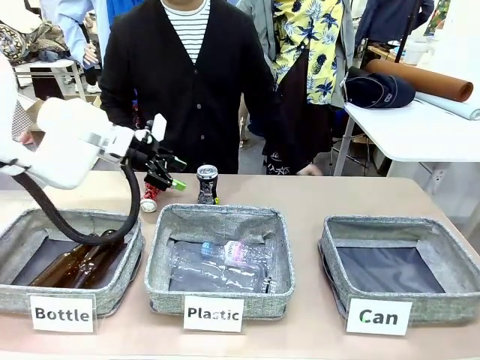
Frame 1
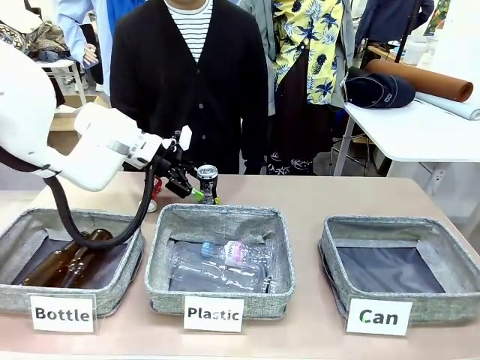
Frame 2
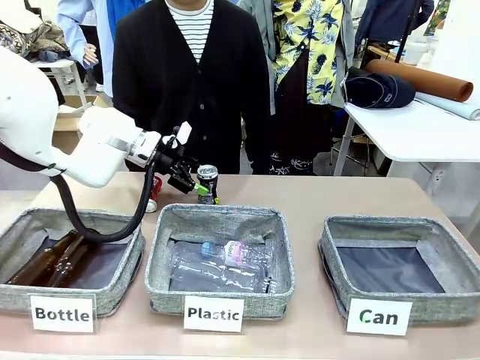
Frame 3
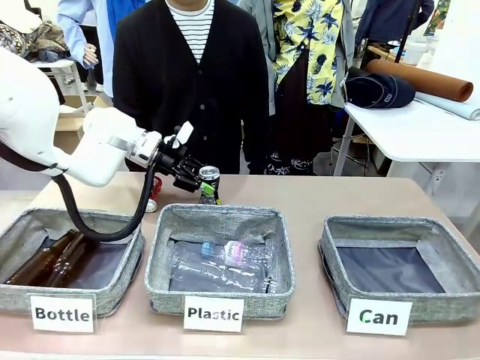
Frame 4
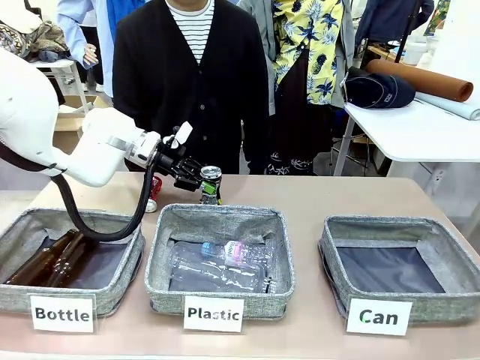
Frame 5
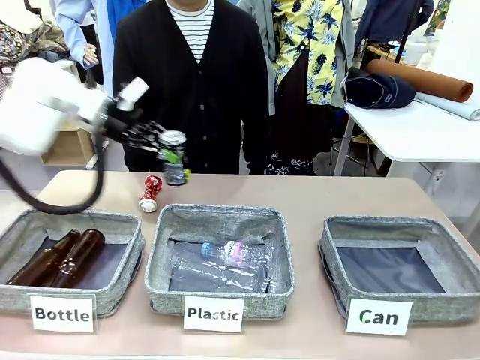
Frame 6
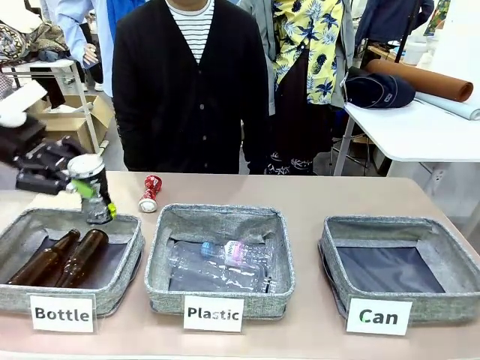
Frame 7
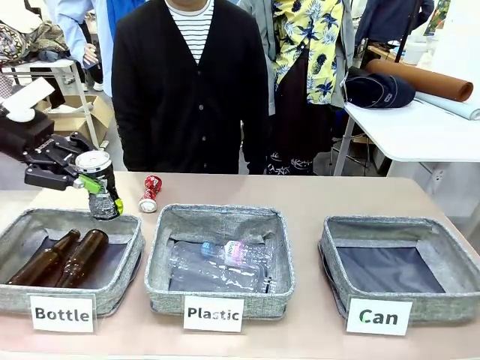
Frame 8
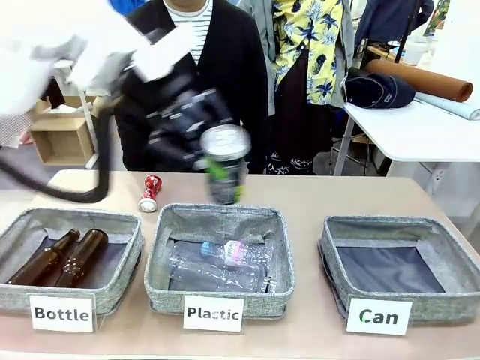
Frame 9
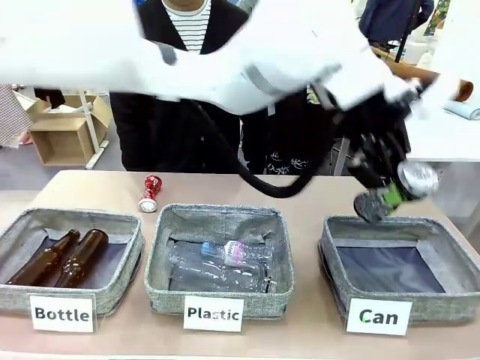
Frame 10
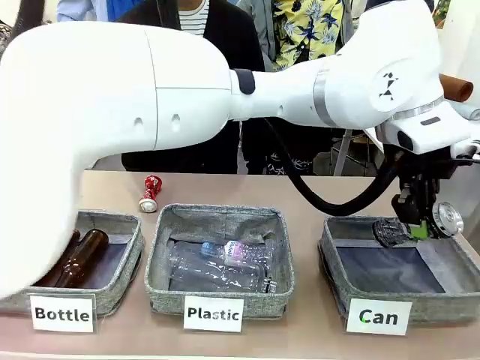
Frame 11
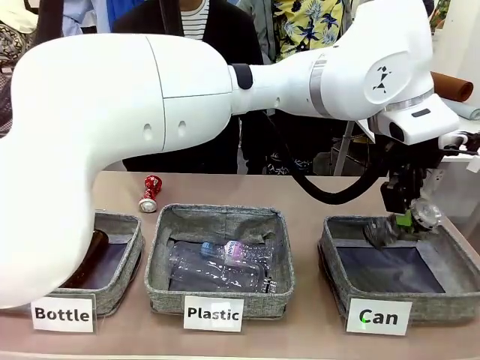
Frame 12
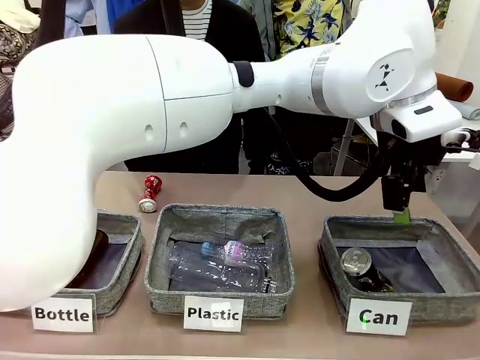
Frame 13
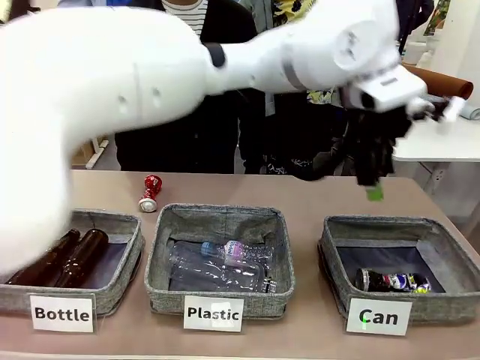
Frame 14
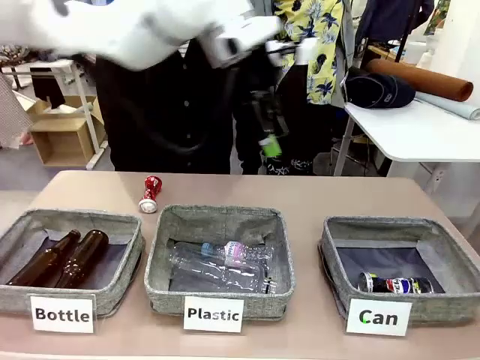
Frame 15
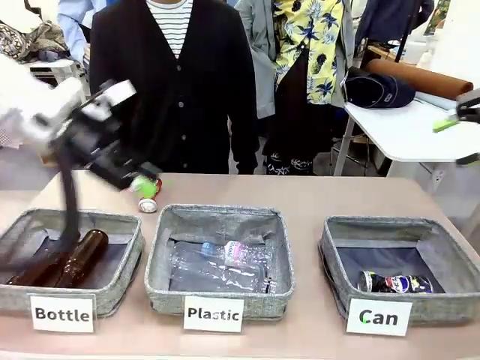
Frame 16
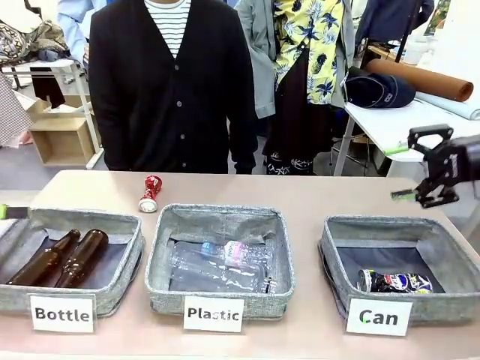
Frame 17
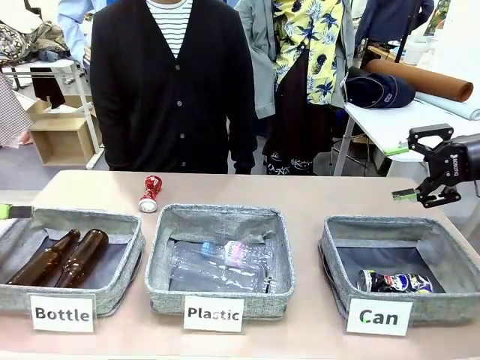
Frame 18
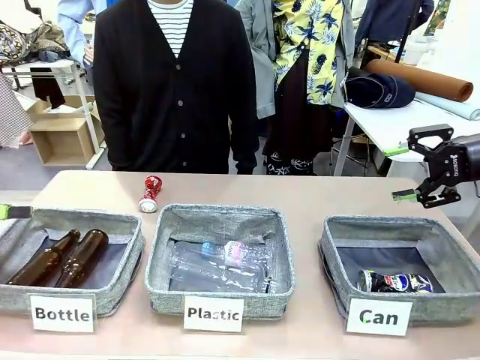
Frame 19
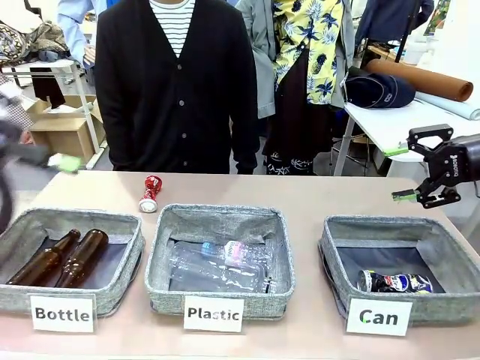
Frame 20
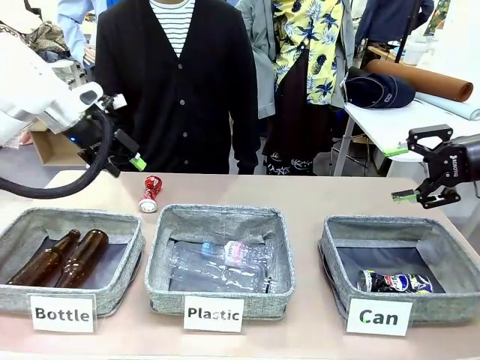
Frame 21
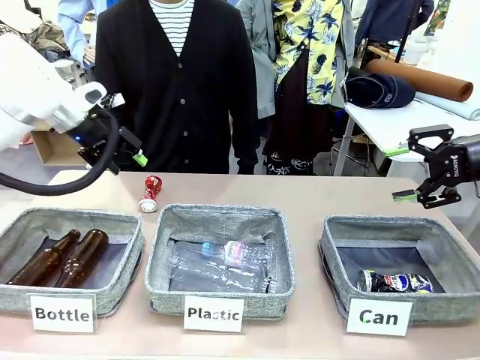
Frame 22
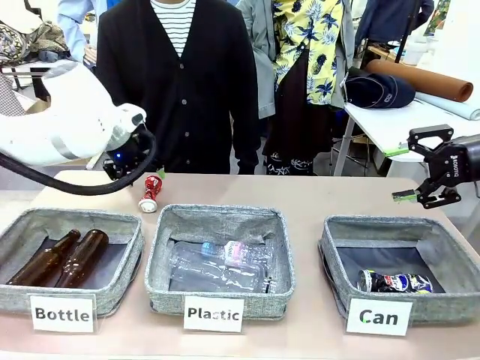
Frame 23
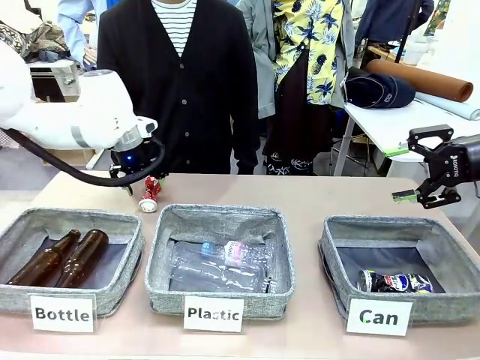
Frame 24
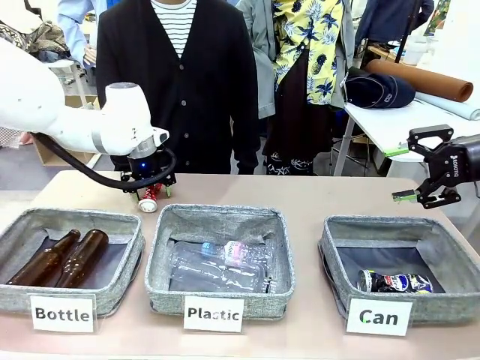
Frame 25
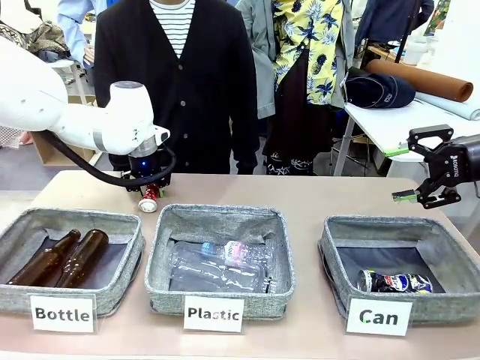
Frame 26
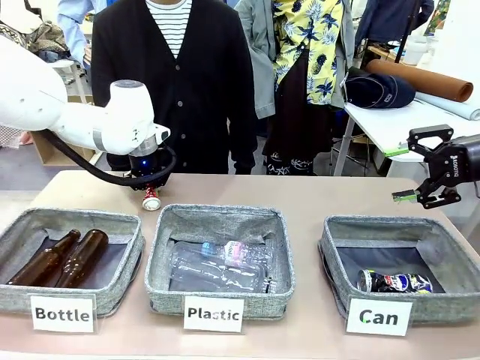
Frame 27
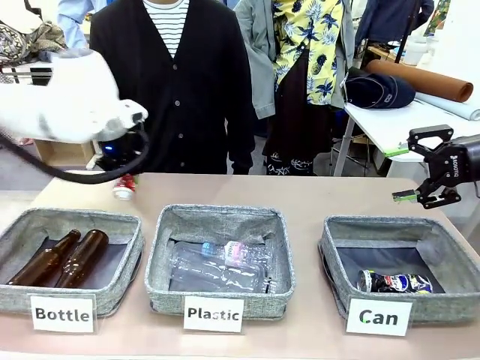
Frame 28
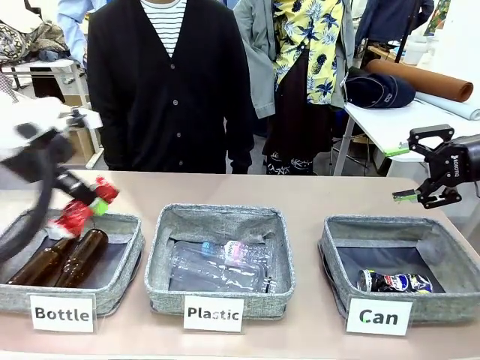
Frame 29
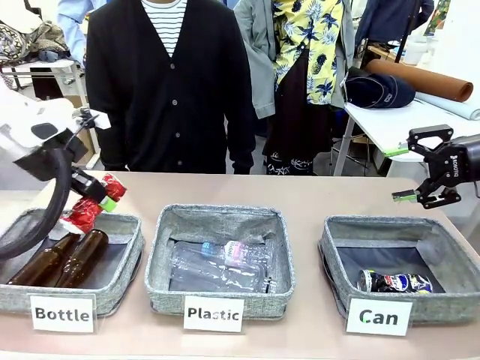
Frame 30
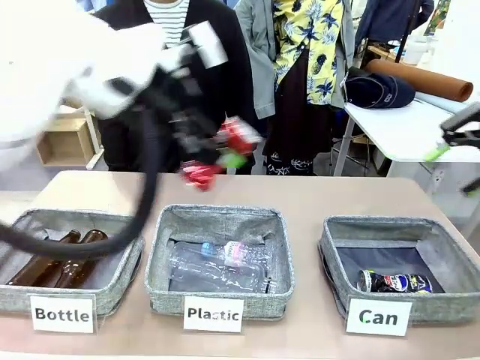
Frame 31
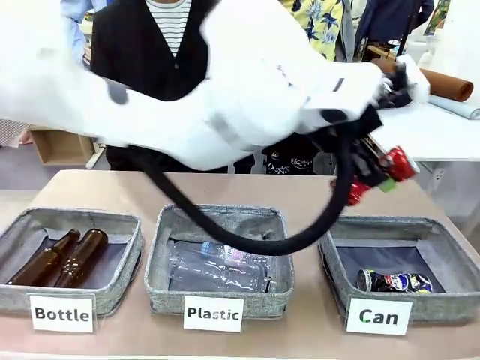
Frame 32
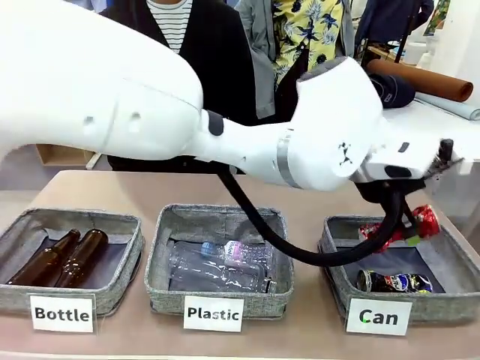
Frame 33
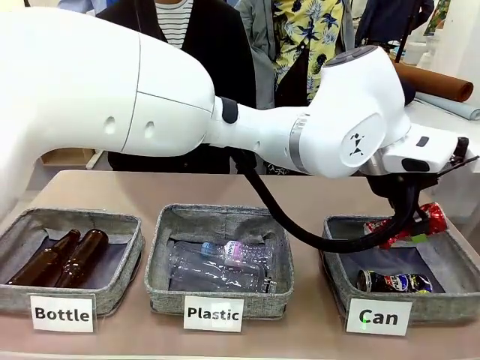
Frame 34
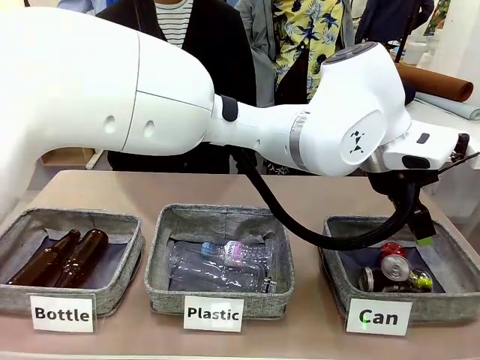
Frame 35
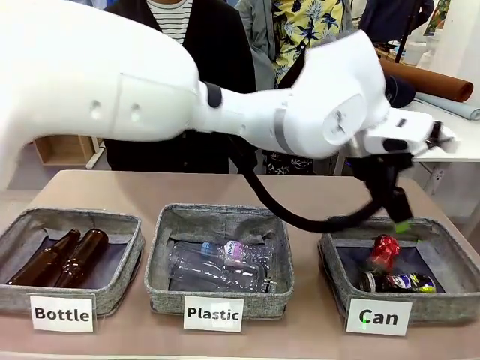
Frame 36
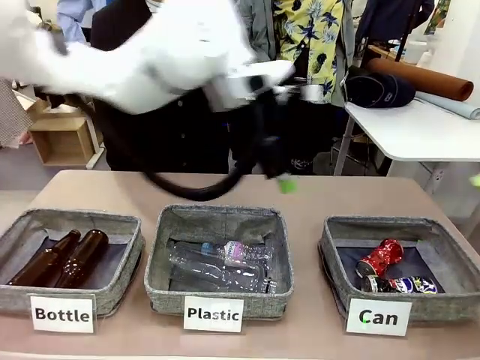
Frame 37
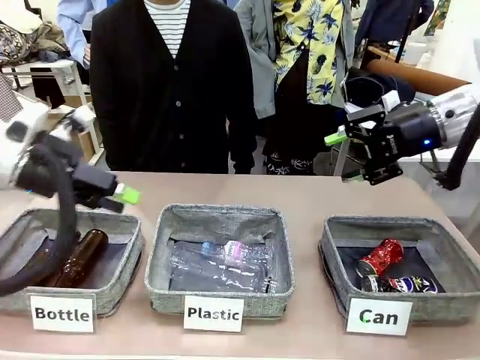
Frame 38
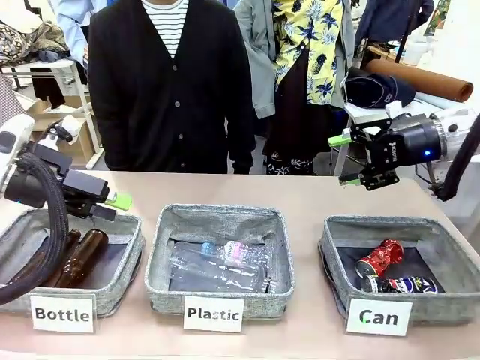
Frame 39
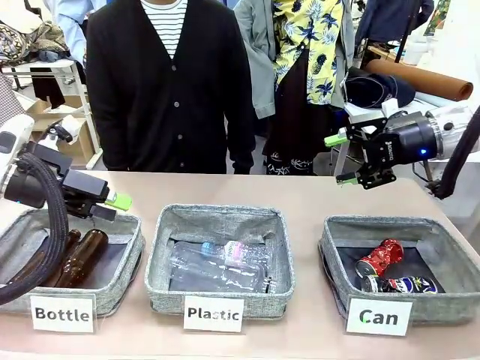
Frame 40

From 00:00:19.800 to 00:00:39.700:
Task: Sort the can waste into the basket.
Robot: Pick up the can waste from the table and place it in the right Fabric basket.
Person: The human picks up one piece of trash that is not a can and places the trash into the appropriate organizing basket.
